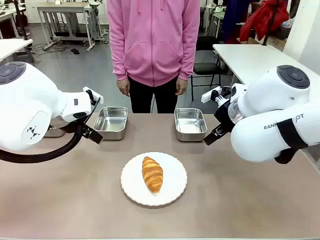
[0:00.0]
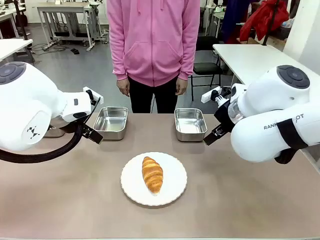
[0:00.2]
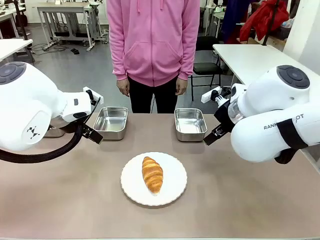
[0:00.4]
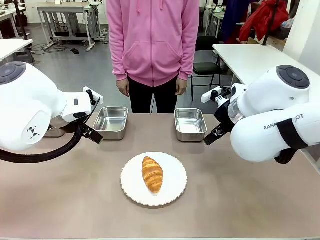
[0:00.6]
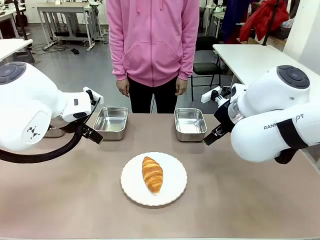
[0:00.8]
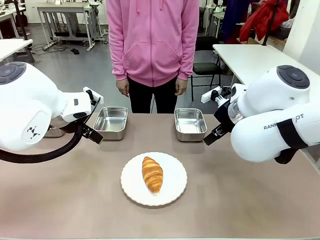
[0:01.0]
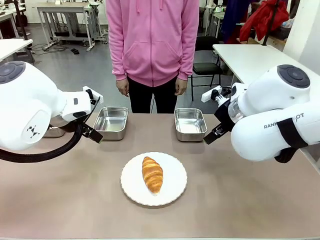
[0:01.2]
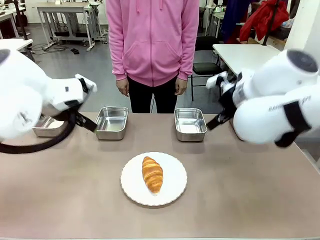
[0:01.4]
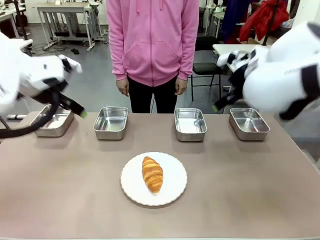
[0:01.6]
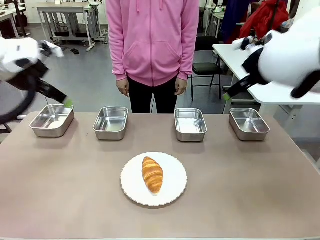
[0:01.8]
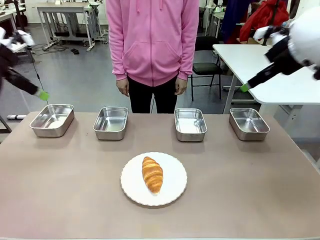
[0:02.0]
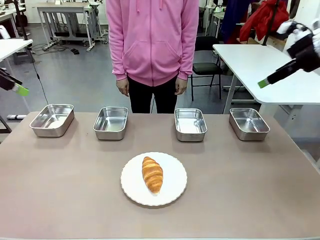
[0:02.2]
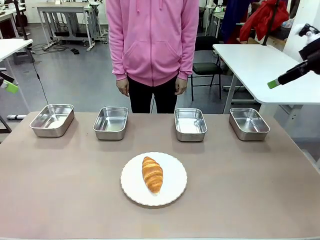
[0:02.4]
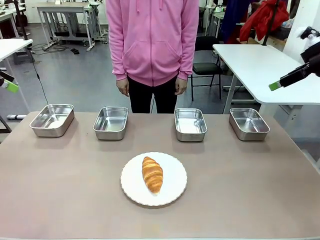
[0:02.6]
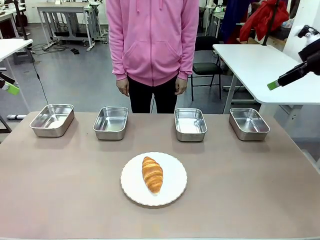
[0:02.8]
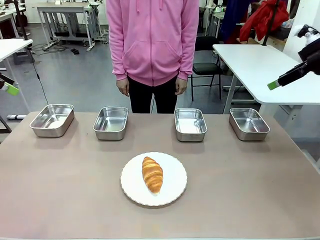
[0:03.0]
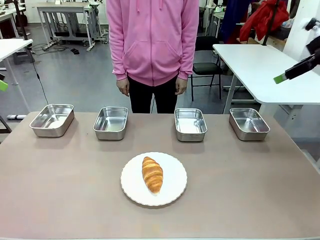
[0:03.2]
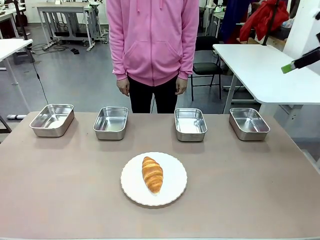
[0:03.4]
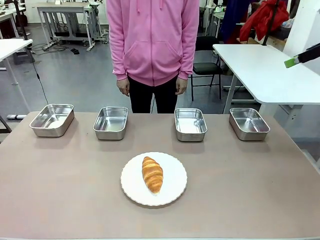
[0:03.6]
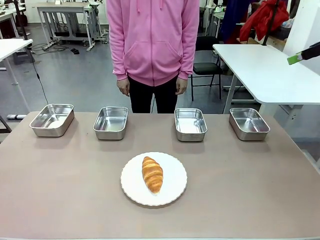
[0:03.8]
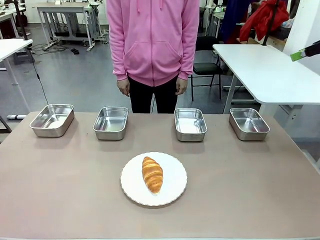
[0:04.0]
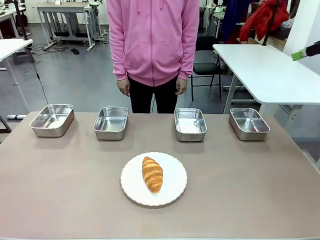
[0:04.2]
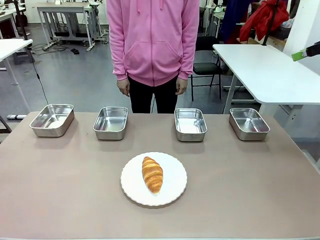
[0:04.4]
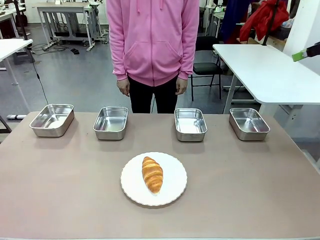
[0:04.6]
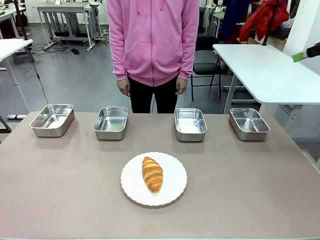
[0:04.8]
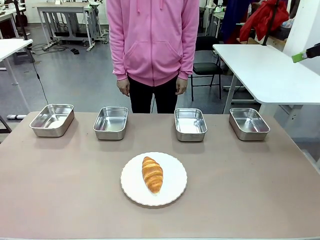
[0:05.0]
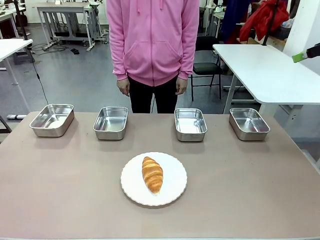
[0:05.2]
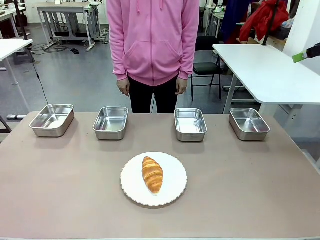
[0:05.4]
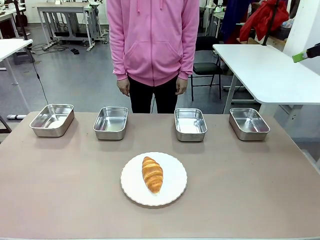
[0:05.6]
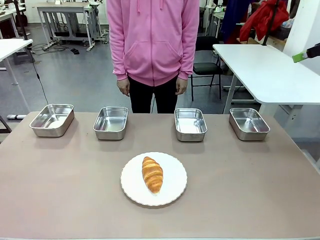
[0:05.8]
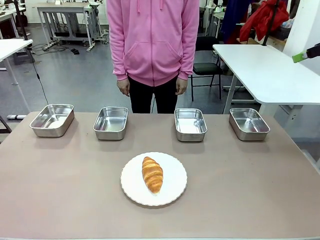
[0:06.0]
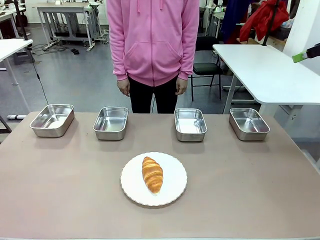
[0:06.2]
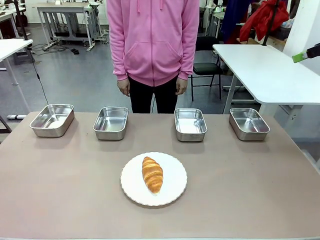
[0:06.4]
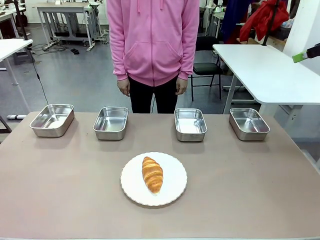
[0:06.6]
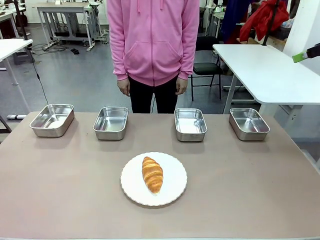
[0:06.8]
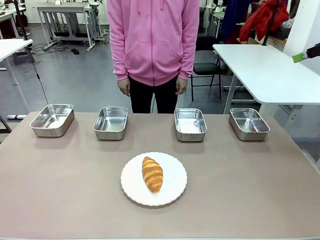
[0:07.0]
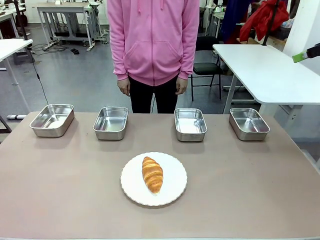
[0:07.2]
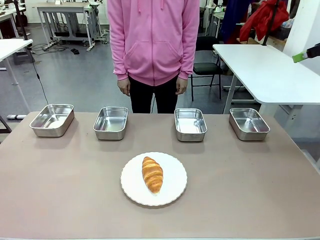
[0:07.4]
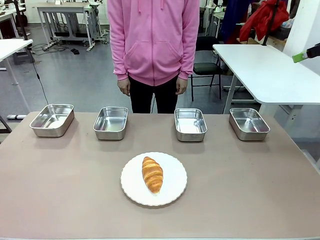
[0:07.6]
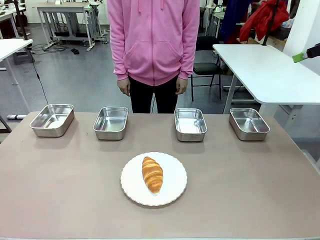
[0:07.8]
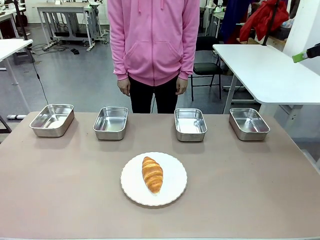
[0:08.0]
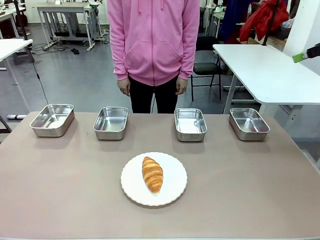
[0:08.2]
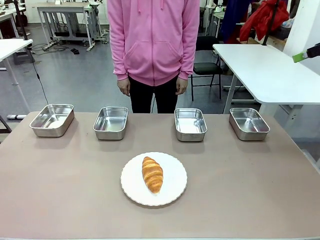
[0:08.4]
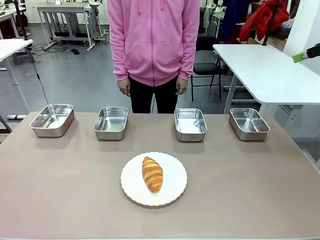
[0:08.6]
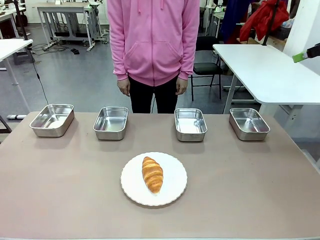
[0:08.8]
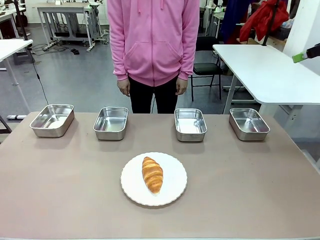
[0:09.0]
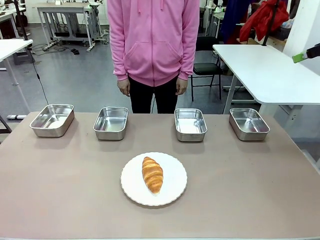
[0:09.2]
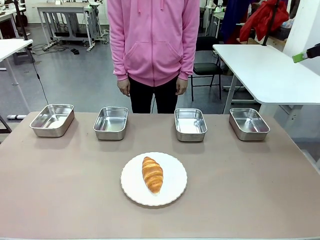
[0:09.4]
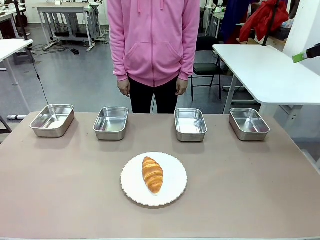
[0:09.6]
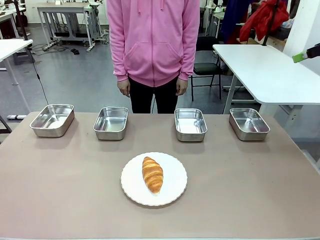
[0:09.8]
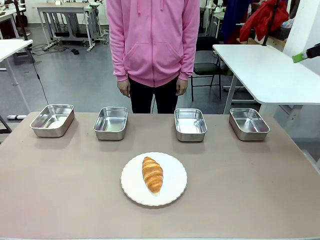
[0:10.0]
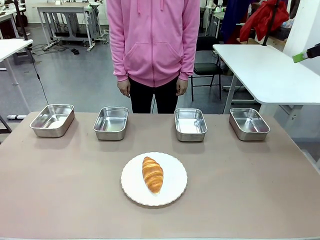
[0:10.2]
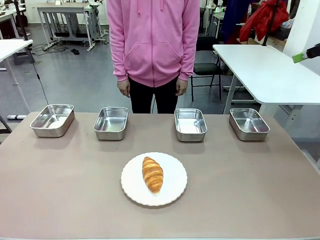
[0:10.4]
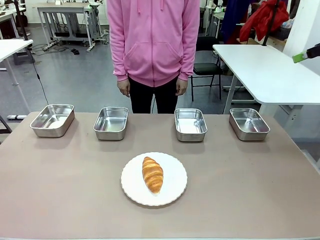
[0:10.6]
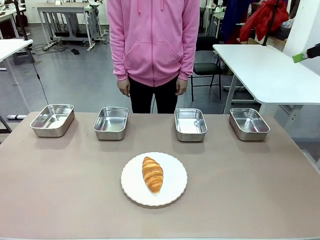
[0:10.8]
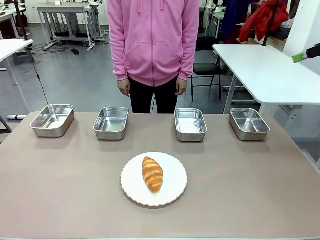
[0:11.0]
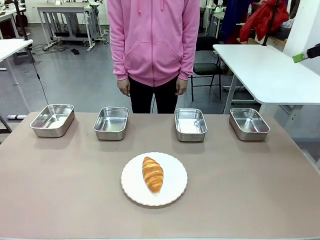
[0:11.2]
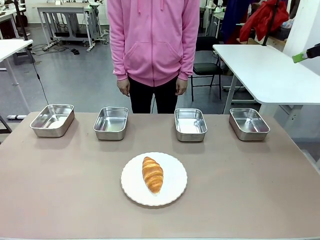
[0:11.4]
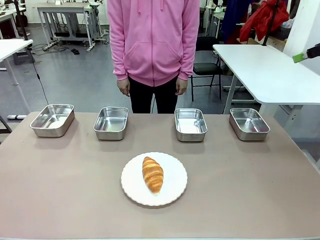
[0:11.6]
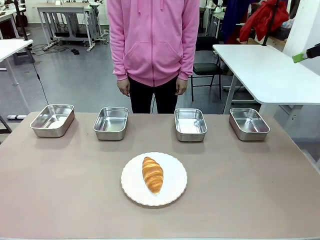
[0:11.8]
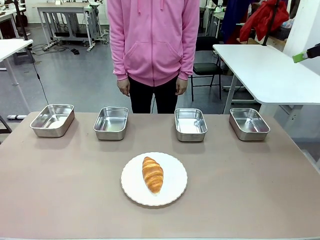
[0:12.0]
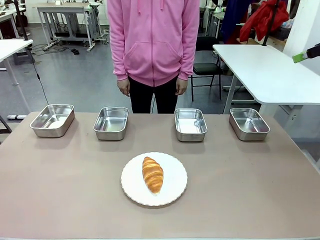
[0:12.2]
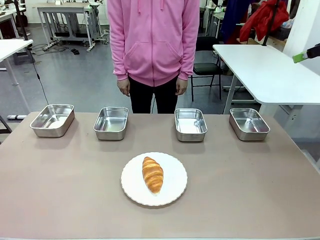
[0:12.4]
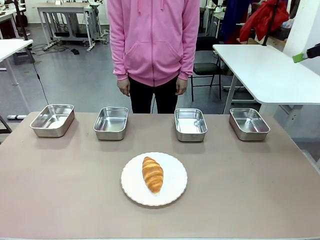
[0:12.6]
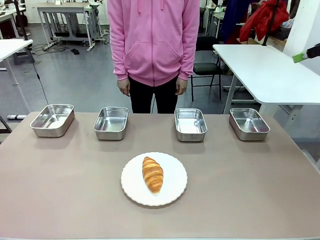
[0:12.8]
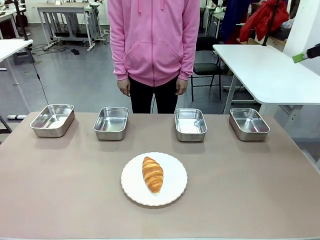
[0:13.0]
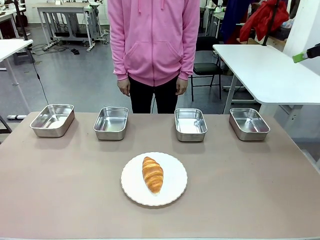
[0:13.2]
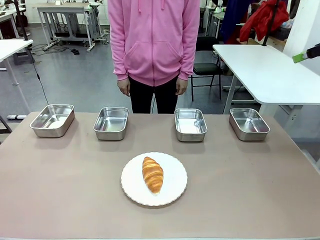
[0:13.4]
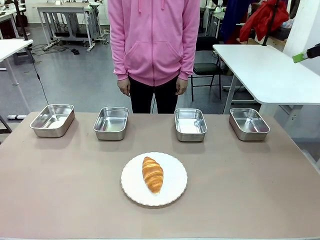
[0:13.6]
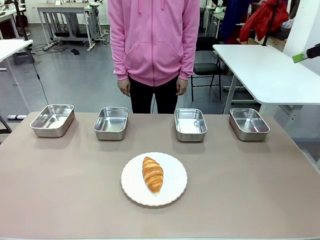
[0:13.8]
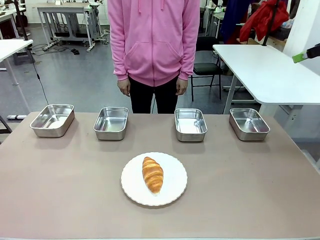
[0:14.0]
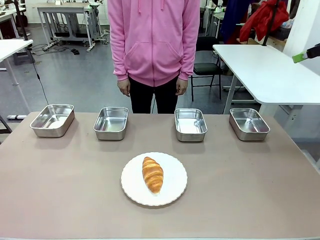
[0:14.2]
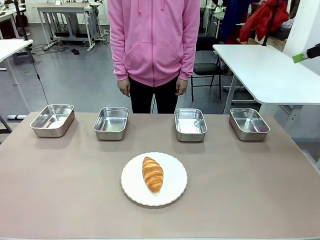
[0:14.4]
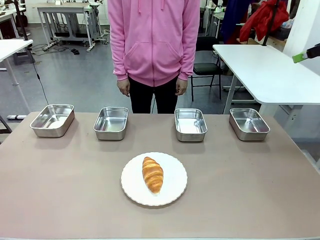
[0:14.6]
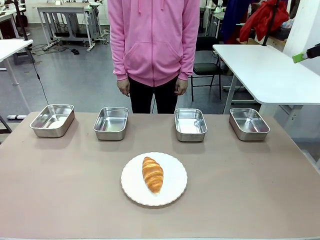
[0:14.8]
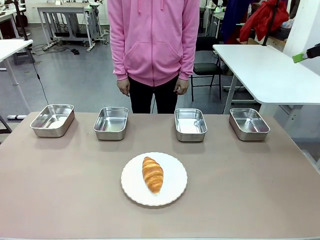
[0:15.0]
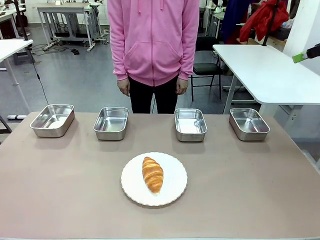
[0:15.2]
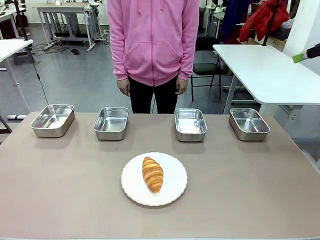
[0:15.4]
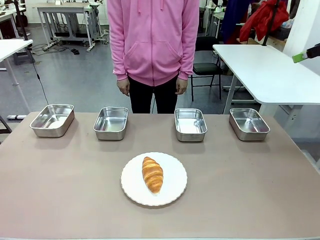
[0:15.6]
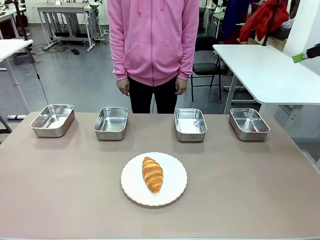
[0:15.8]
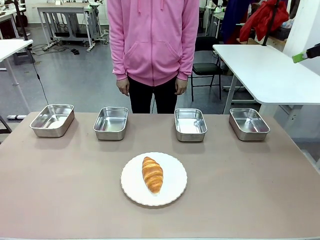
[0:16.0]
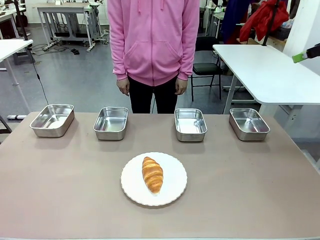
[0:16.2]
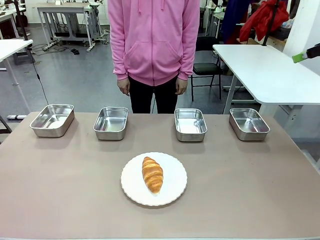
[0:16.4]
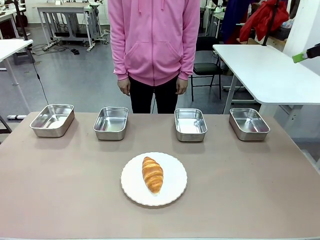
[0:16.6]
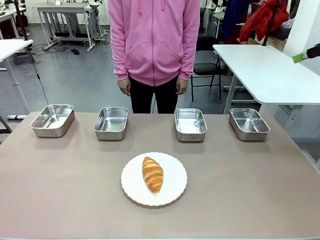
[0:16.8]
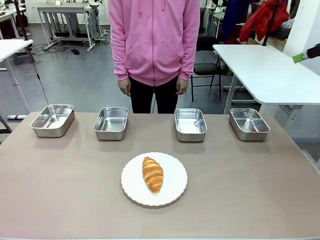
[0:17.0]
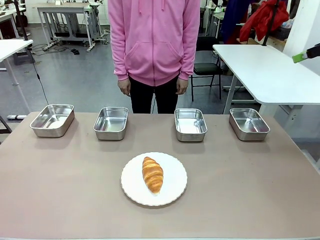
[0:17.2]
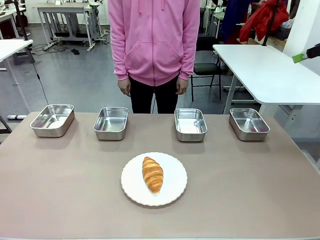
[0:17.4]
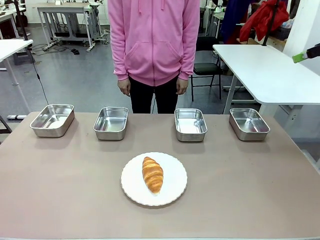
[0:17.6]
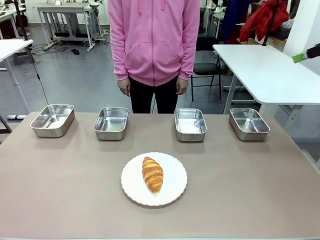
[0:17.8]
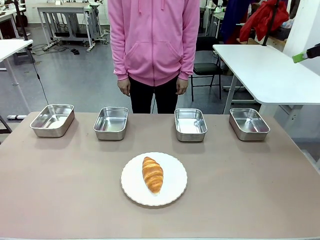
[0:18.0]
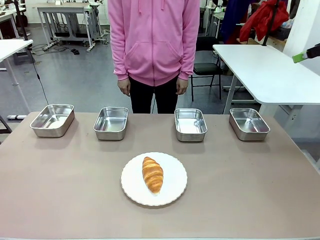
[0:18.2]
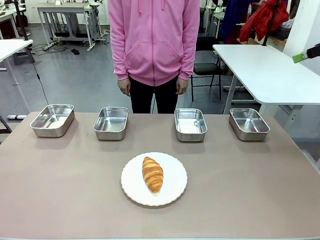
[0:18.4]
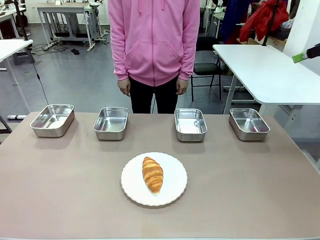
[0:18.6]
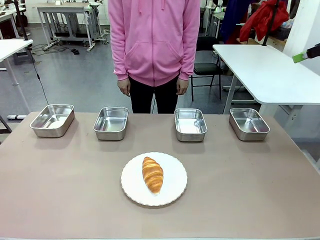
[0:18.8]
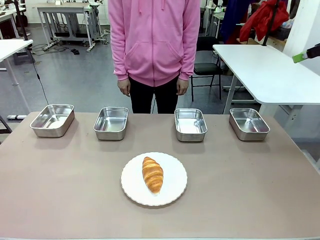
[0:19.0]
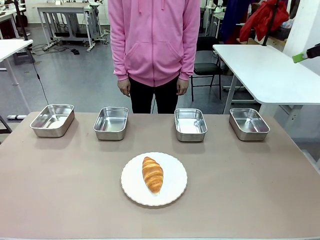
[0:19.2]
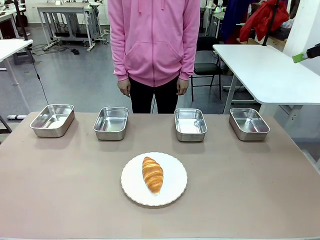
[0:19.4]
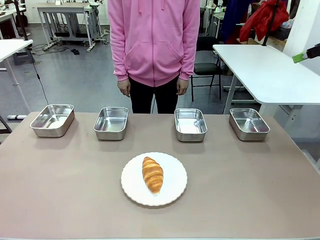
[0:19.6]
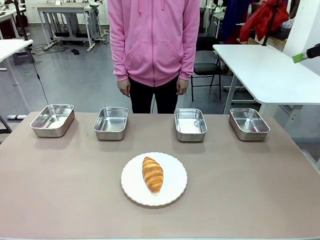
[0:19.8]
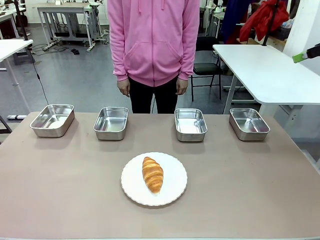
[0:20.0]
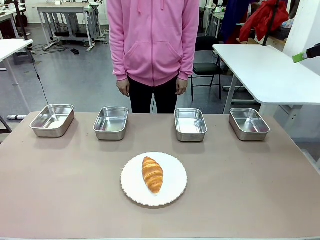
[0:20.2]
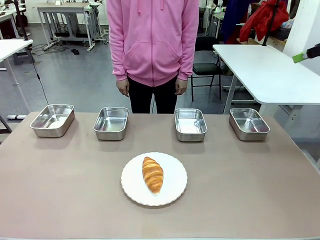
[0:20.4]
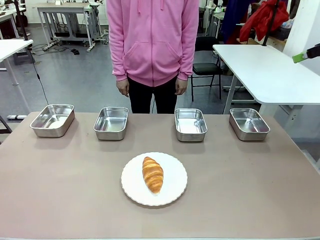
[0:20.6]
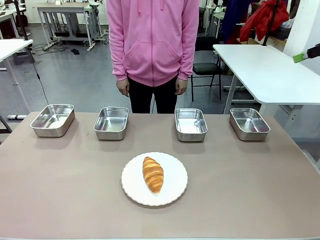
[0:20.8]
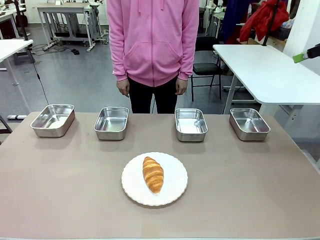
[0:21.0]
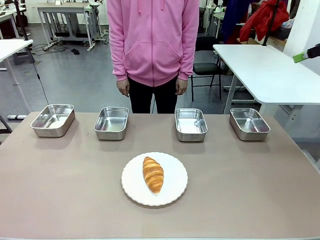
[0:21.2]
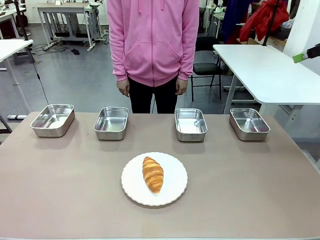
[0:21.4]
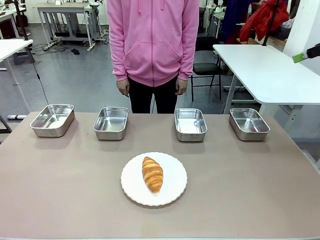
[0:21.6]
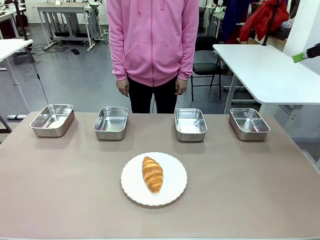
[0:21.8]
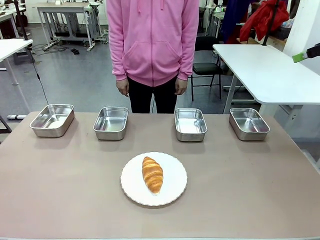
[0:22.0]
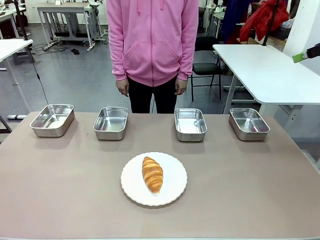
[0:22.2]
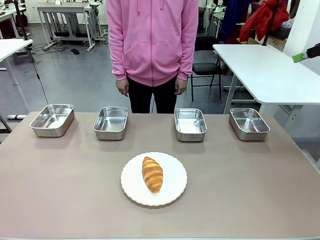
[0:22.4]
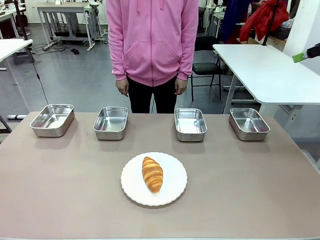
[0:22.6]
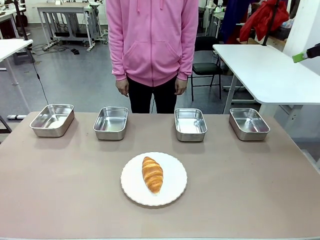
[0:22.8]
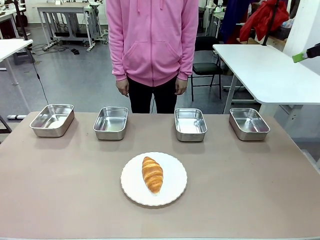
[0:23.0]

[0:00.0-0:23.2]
Task: Place the bread in the container.
Robot: Place the Butter Roll into the Airtight Container indicated by the human.
